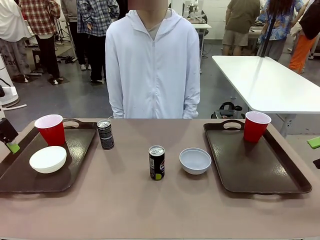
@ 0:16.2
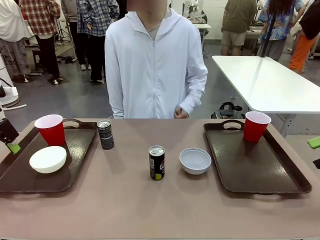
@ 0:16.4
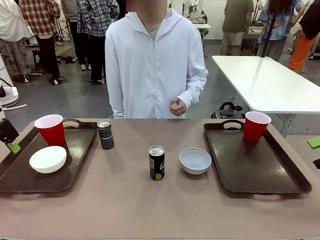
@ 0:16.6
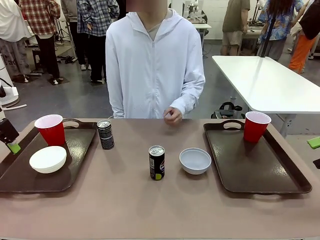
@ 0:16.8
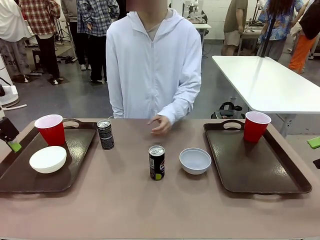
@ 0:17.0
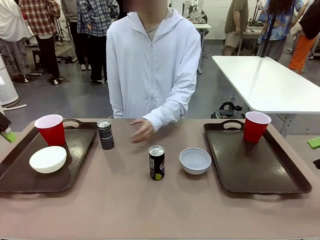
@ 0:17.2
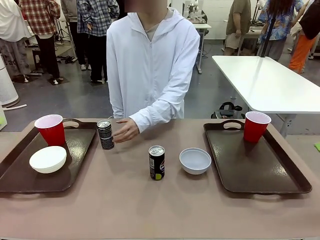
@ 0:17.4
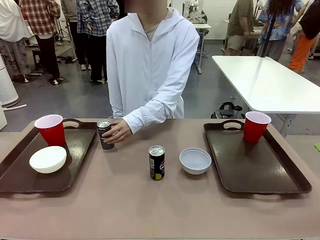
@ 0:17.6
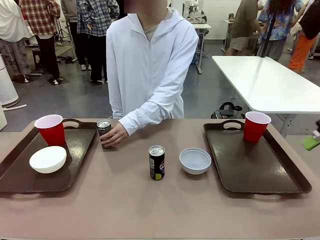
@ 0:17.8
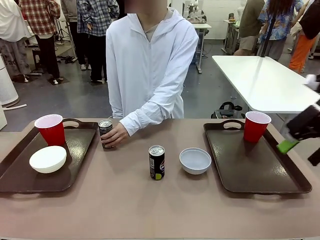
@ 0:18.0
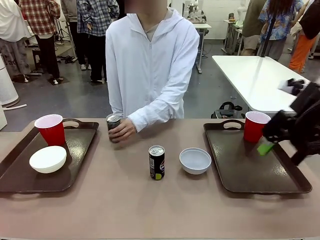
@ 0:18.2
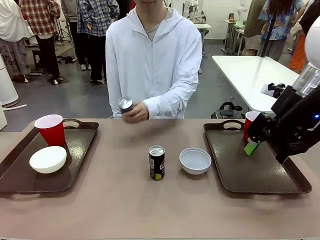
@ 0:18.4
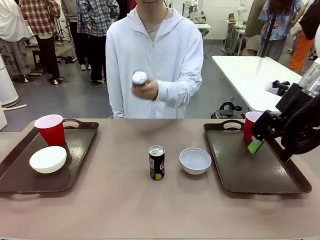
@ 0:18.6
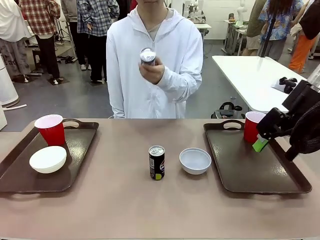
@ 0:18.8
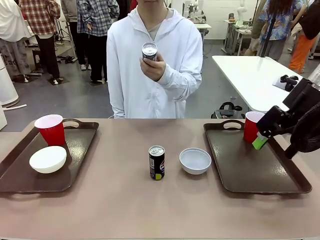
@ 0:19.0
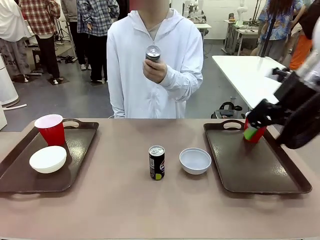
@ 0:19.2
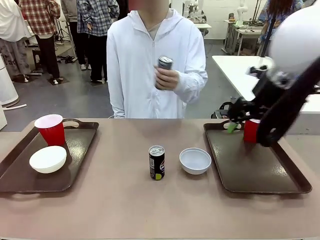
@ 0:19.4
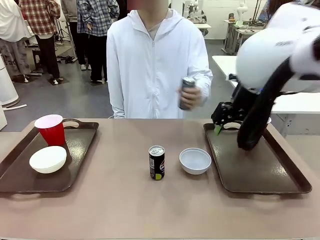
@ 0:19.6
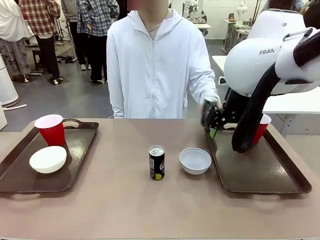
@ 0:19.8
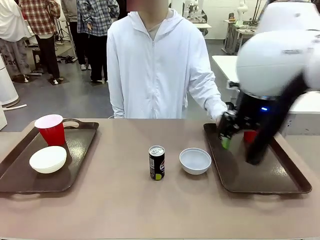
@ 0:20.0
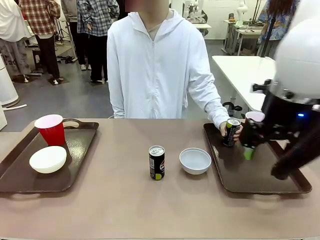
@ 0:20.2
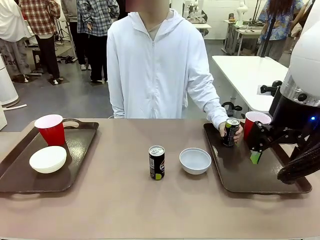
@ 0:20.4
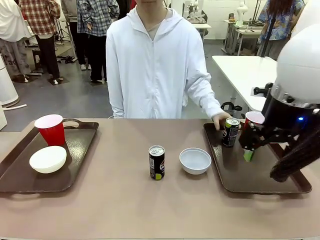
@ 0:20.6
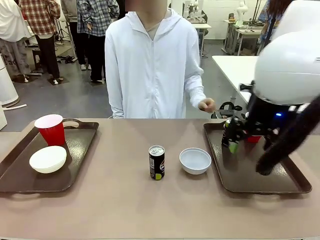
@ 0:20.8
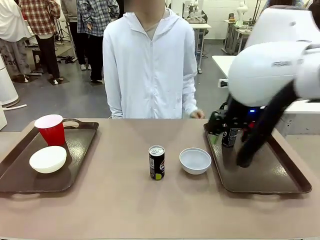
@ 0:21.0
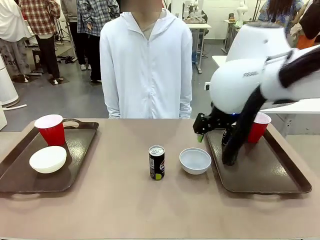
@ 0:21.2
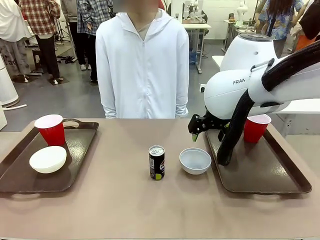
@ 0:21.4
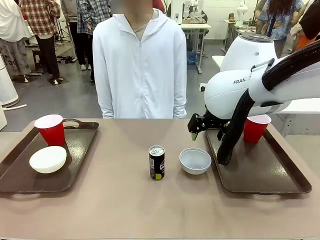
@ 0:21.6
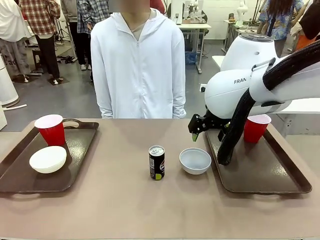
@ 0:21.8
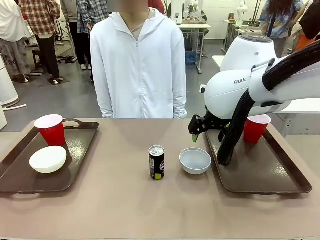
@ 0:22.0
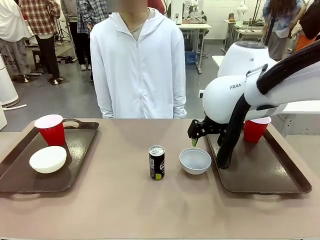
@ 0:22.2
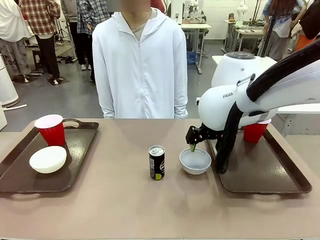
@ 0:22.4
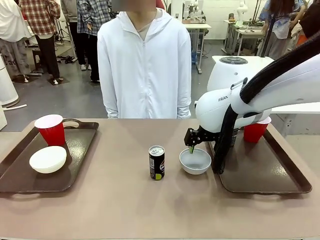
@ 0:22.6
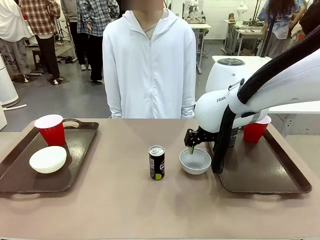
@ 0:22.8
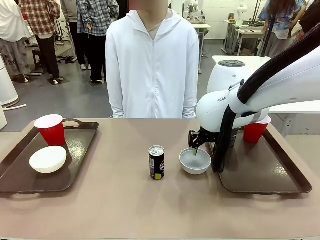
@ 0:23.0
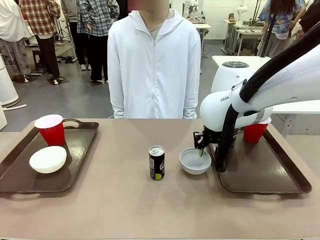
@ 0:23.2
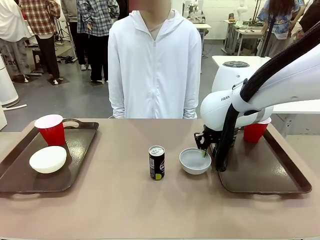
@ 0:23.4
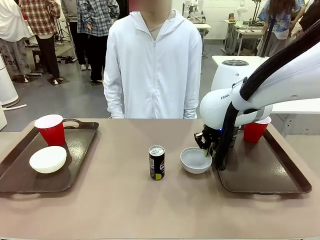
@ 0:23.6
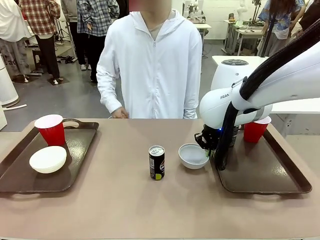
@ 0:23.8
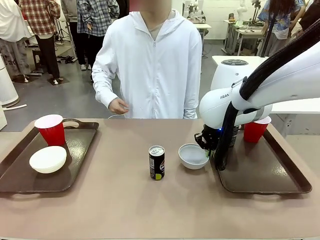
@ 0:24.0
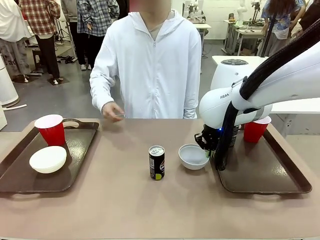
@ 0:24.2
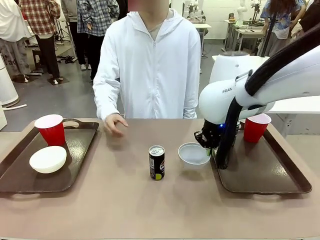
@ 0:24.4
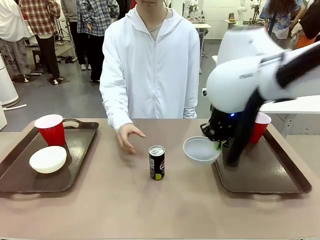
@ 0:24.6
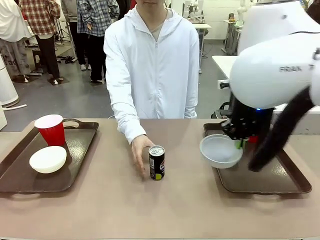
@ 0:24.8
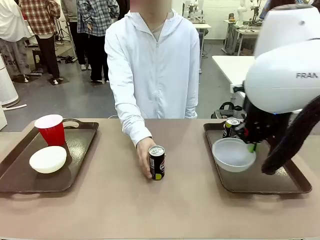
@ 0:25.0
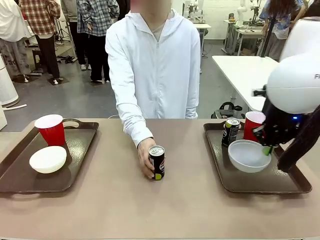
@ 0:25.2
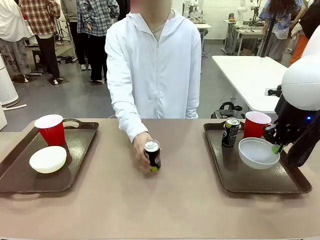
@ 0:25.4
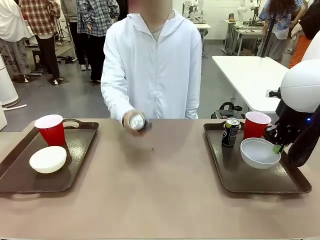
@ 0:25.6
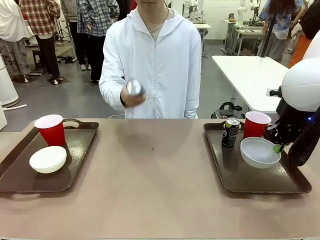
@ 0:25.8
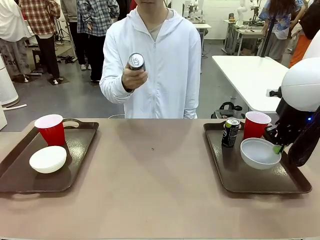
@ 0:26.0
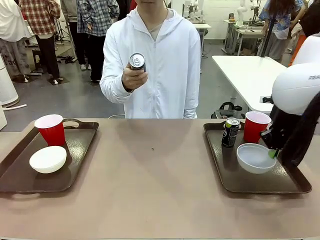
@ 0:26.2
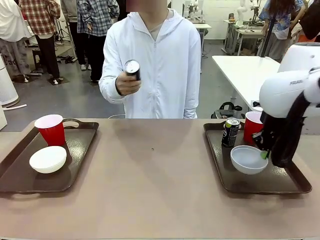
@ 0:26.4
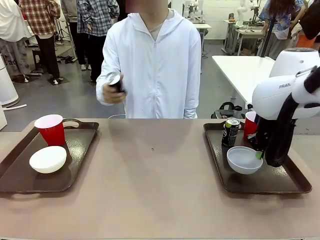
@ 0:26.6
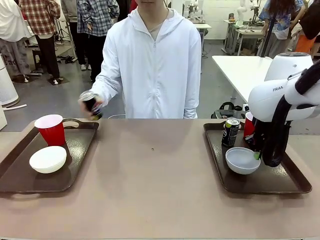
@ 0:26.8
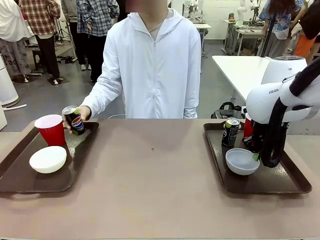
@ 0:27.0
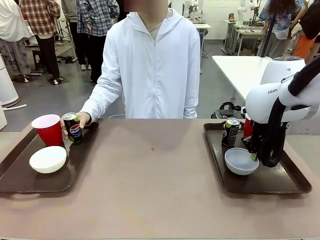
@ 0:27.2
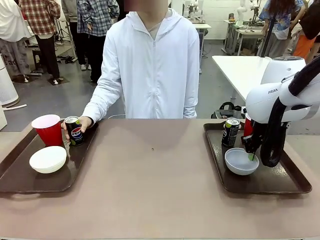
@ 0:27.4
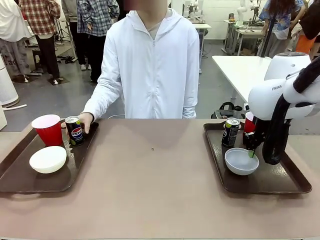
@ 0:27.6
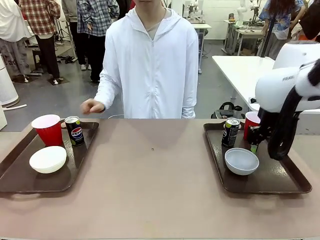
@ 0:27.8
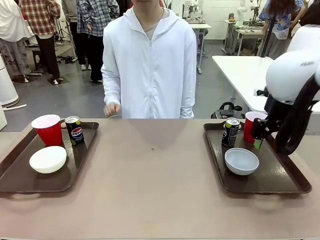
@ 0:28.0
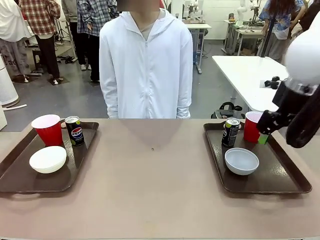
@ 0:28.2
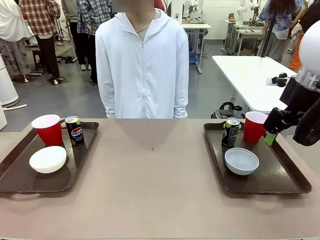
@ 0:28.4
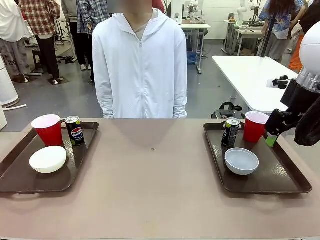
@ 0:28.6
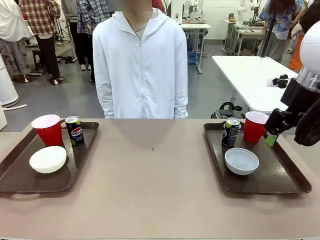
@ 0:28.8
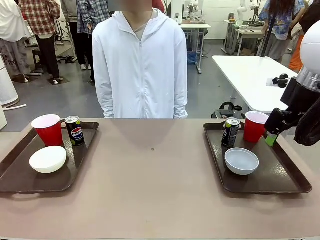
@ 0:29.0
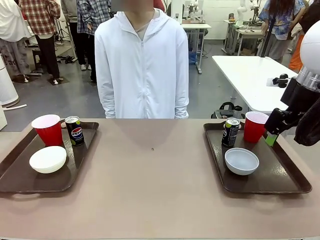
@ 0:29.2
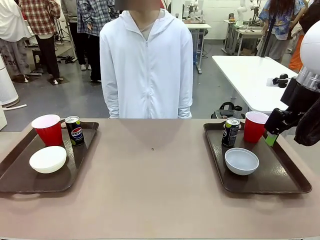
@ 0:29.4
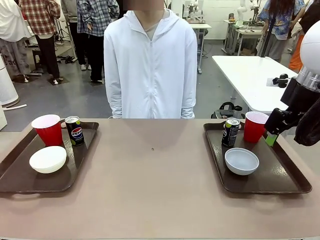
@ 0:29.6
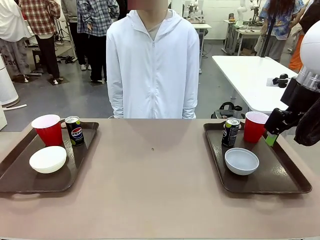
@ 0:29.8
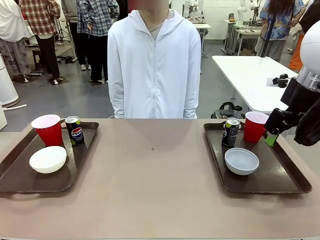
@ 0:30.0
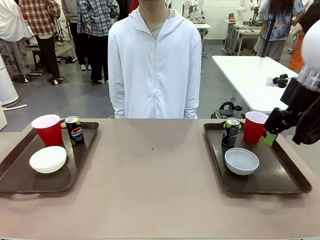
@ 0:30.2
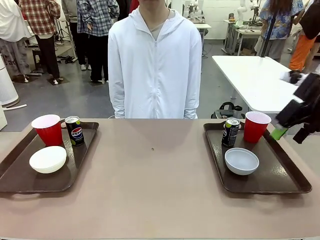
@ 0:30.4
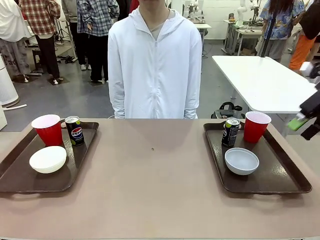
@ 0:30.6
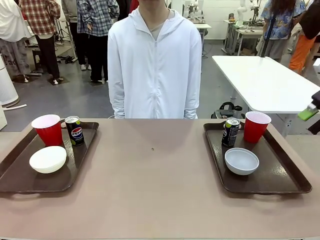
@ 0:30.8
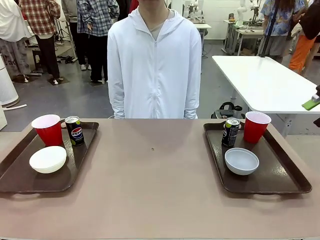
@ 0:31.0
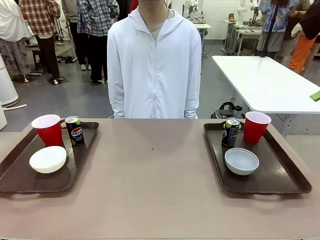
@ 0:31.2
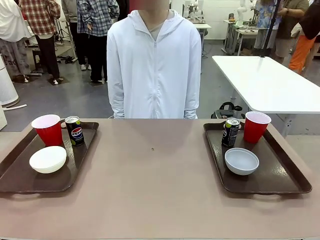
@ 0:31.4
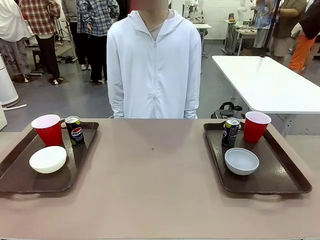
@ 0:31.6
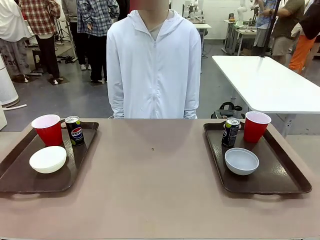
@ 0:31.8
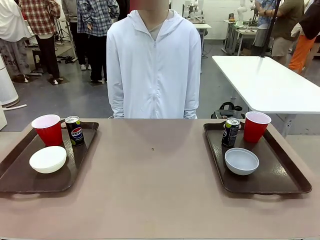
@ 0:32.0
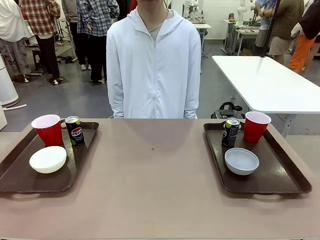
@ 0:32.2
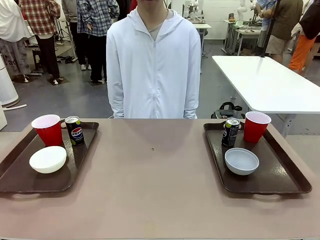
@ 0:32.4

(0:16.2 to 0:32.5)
Task: Prepare tableware on both trays.
Robot: Pick up a Picnic Bowl from the table and place it on a Handle tray.
Person: Pick up a can or cup and place it on the tray without a can or cup.
